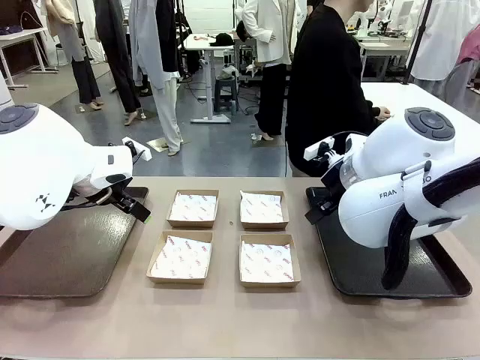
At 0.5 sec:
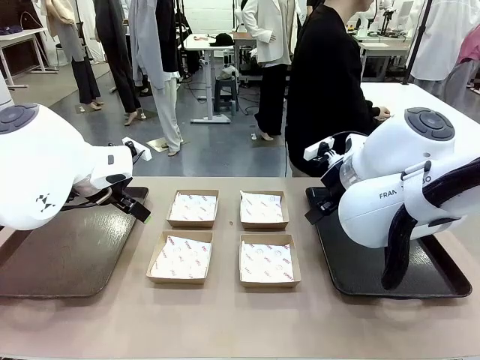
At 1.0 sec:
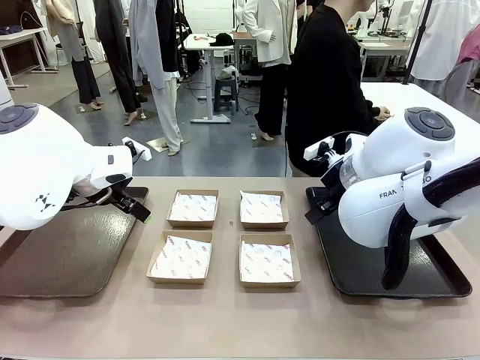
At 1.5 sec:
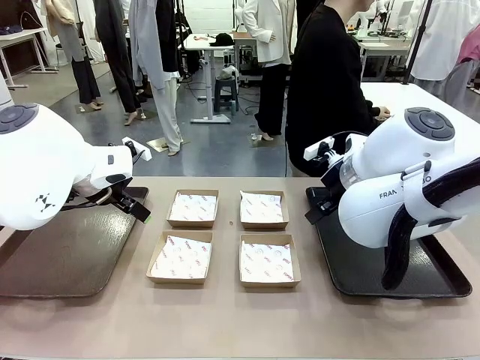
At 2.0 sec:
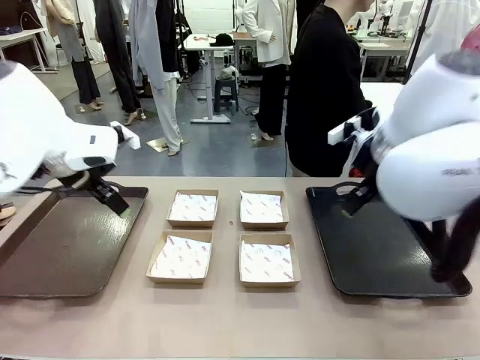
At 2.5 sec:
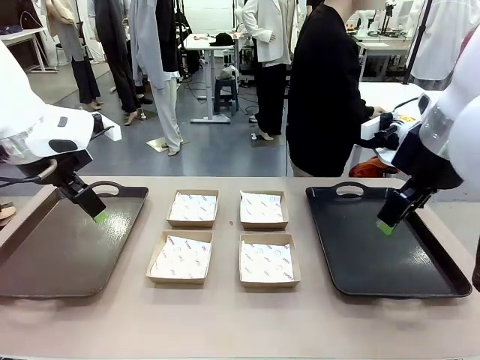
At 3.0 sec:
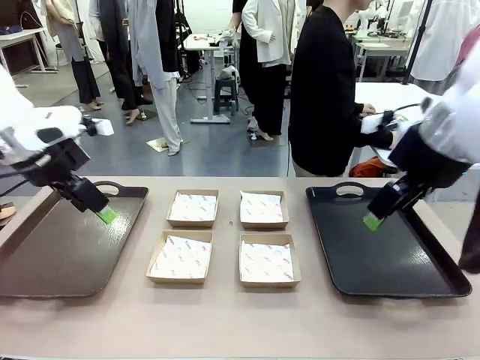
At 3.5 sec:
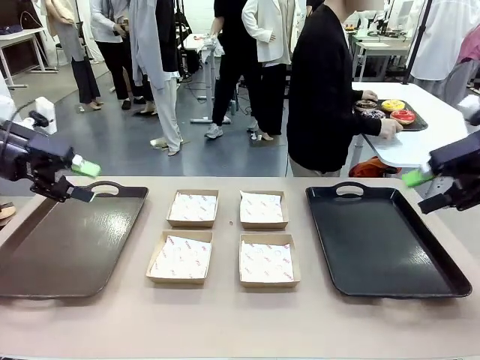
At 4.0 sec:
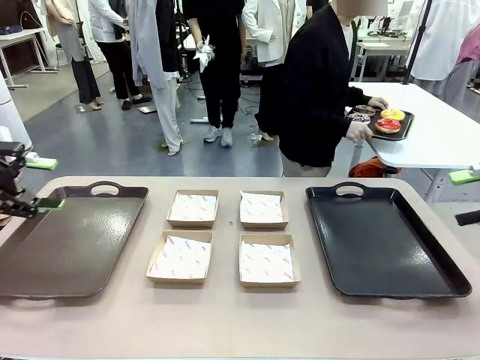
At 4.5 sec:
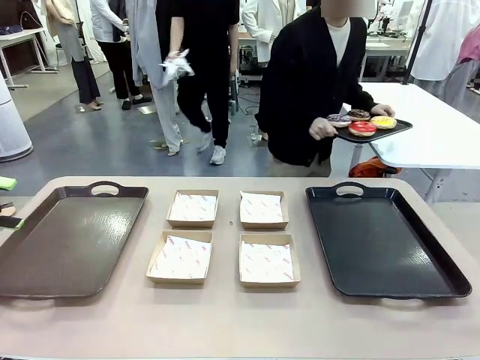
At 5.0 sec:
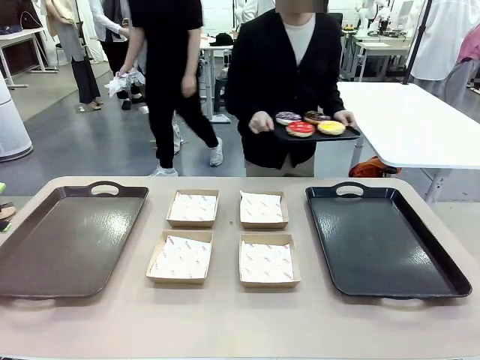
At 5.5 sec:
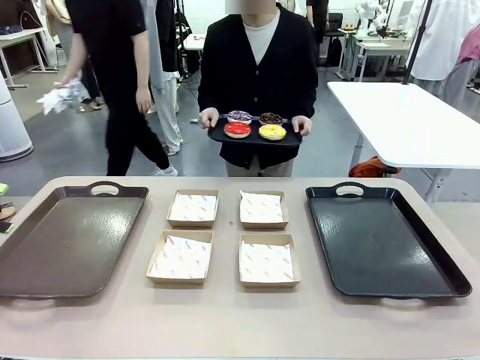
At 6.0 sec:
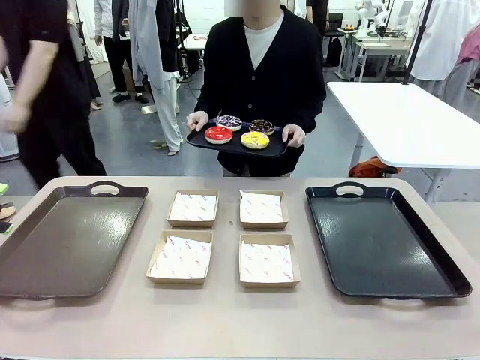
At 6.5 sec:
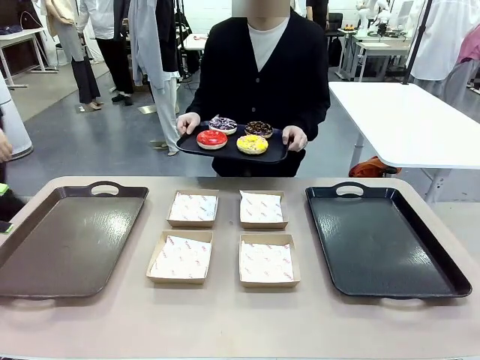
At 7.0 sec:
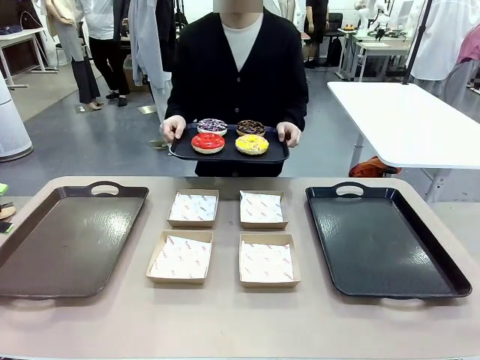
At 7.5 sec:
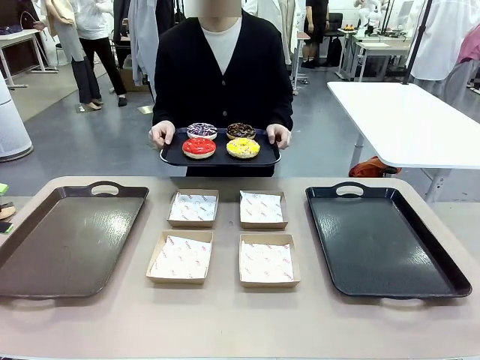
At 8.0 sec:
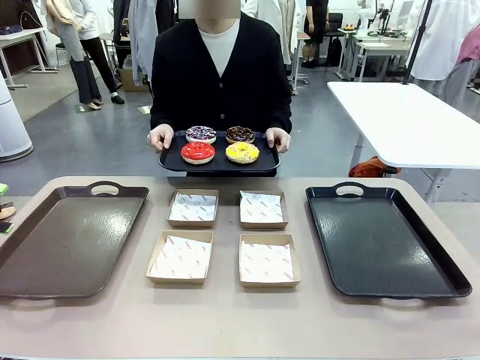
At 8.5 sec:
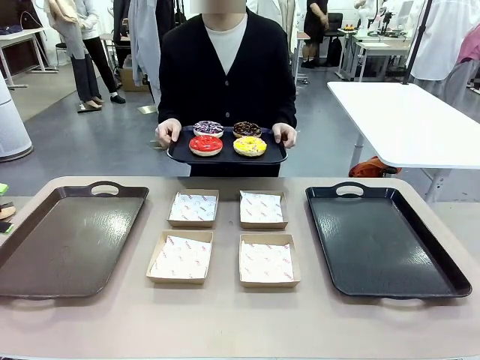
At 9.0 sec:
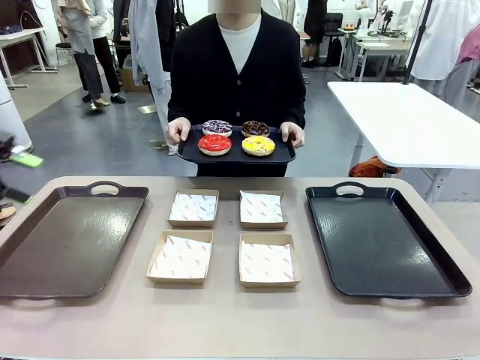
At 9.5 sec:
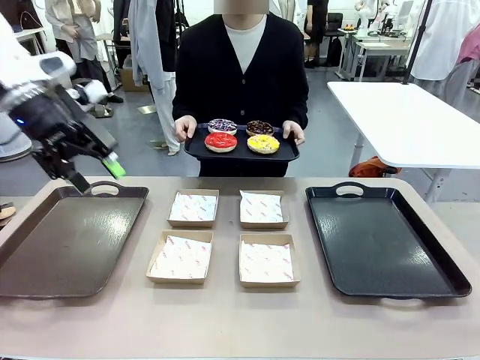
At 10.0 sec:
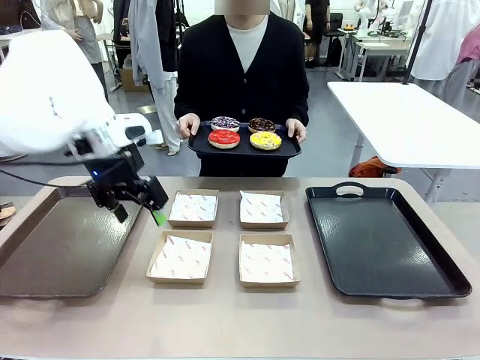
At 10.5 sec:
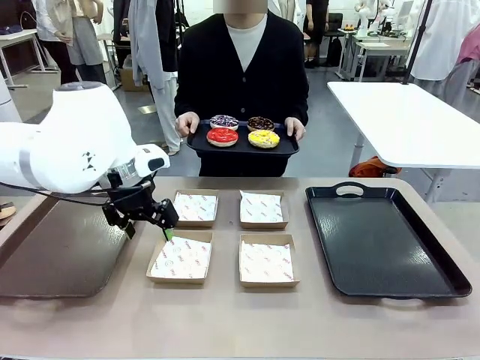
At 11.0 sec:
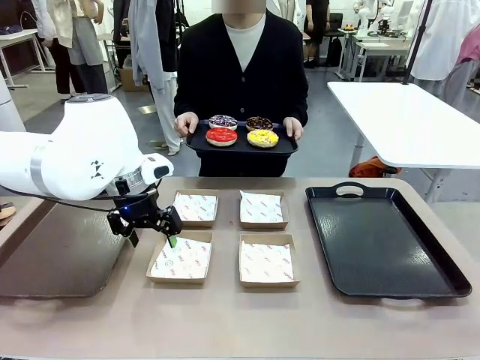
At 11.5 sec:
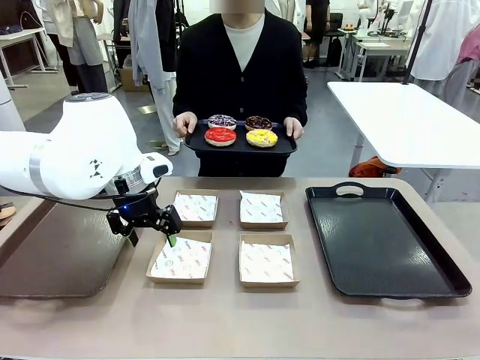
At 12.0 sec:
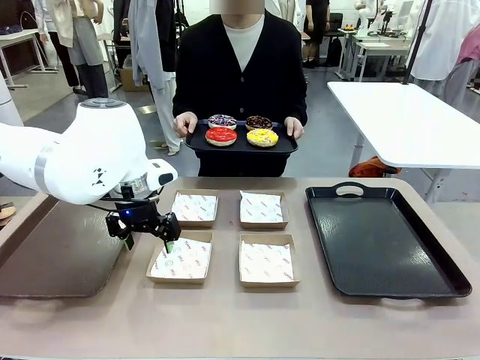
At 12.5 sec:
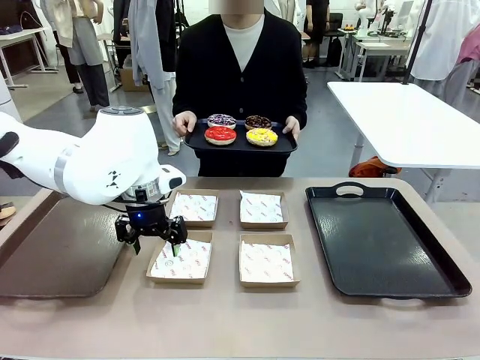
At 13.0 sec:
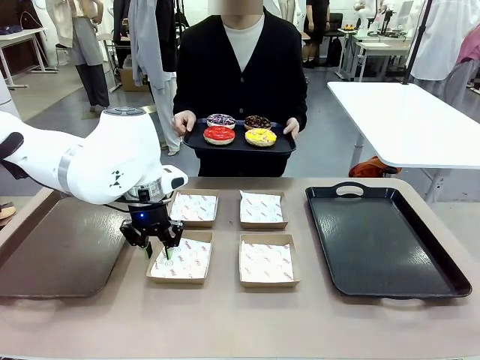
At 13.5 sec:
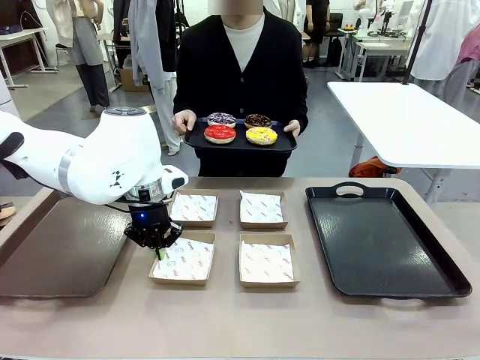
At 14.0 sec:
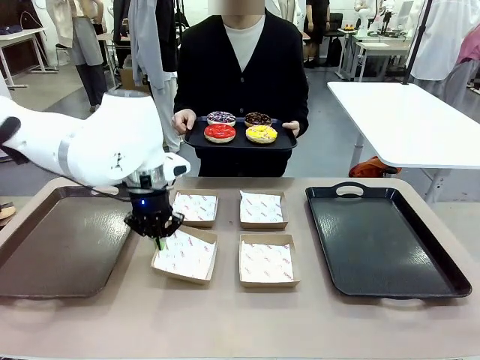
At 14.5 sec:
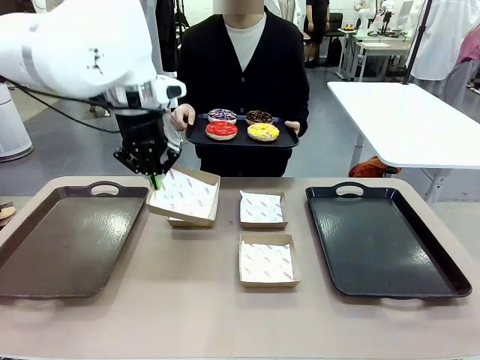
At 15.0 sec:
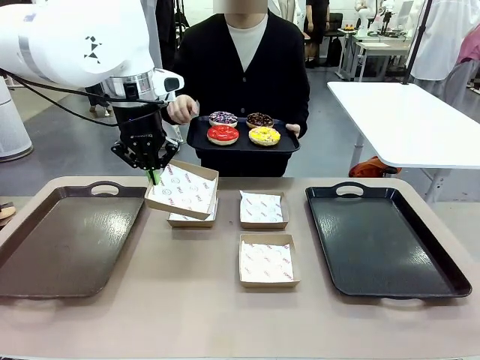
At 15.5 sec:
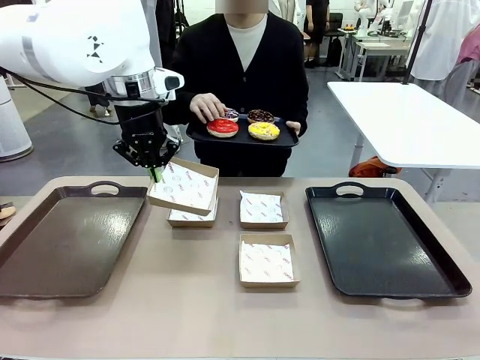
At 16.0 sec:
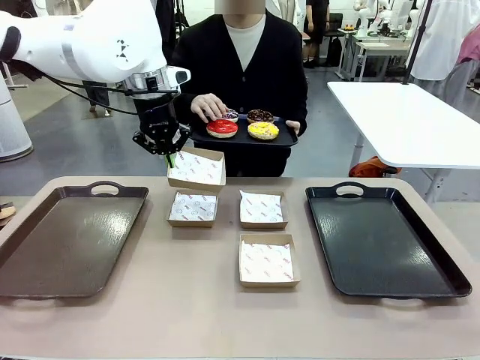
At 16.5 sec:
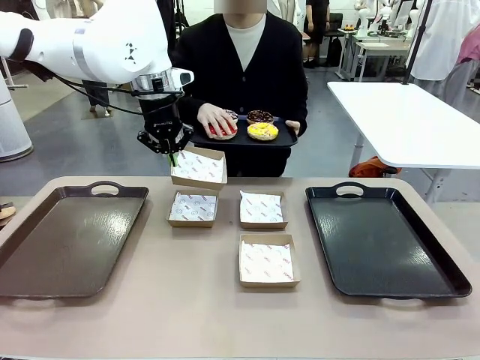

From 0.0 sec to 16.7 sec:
Task: Individually package the donuts and arrange them on the tray.
Robot: Pick up one Paper togo box.
Person: Stand in front of the robot table holding the tray containing the donuts.
